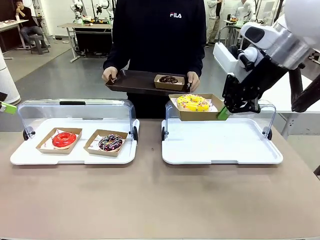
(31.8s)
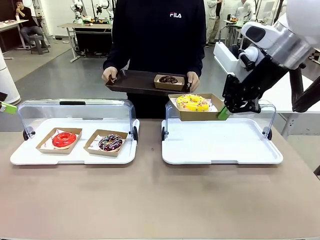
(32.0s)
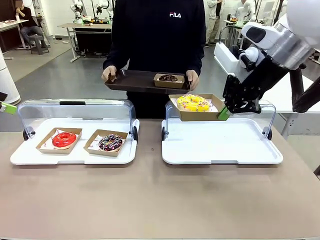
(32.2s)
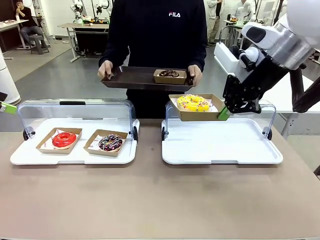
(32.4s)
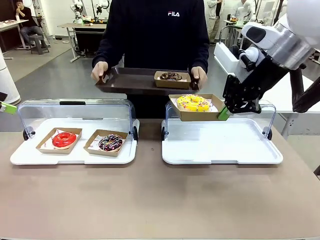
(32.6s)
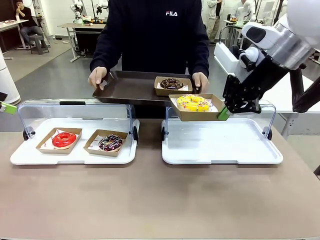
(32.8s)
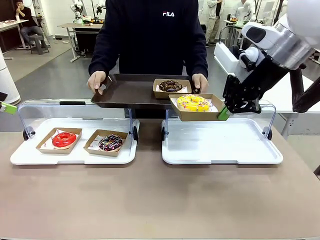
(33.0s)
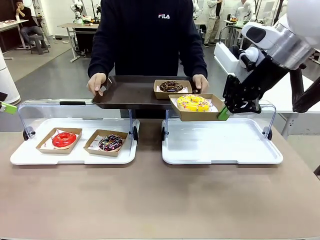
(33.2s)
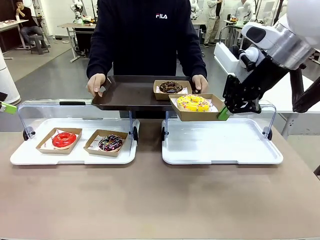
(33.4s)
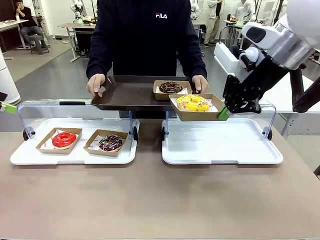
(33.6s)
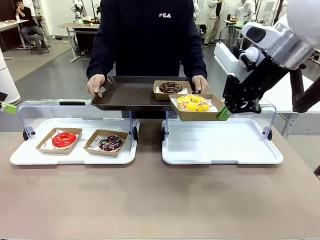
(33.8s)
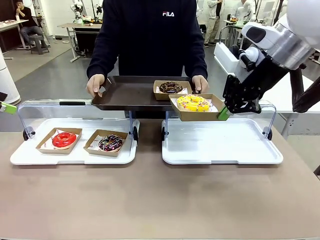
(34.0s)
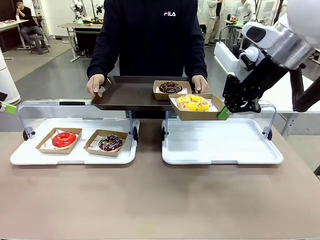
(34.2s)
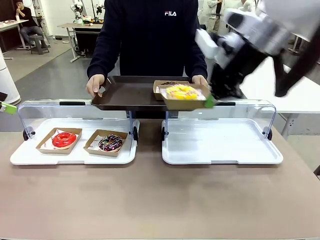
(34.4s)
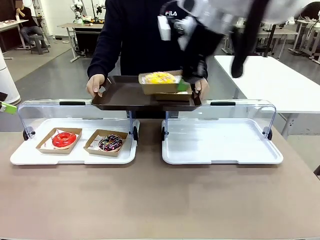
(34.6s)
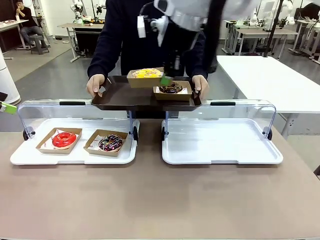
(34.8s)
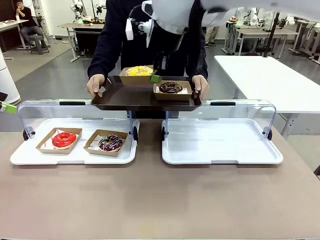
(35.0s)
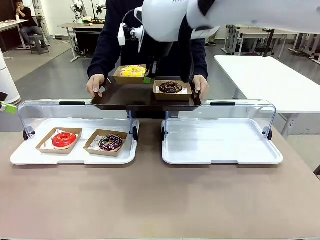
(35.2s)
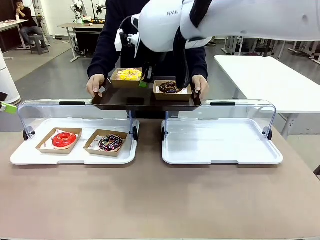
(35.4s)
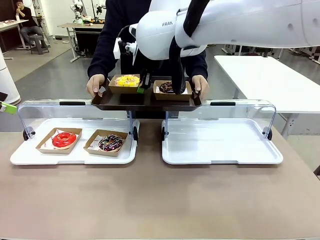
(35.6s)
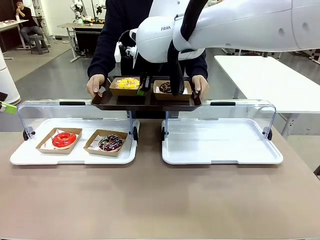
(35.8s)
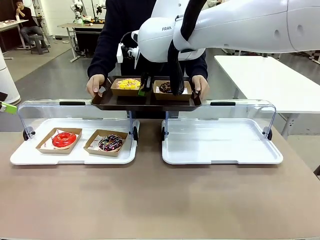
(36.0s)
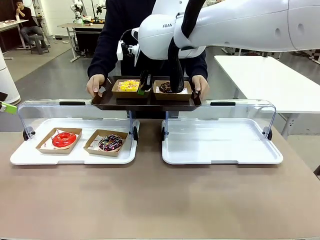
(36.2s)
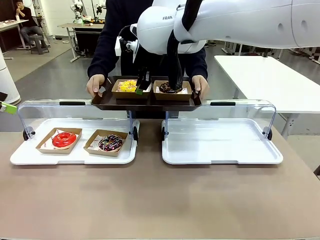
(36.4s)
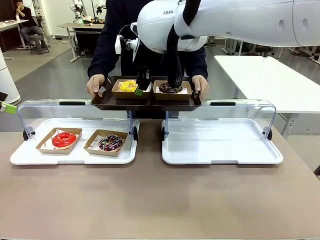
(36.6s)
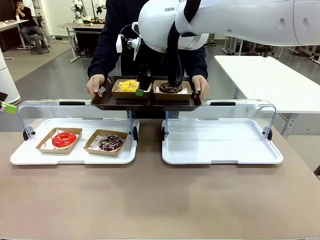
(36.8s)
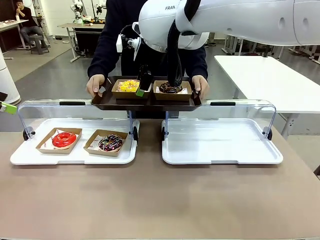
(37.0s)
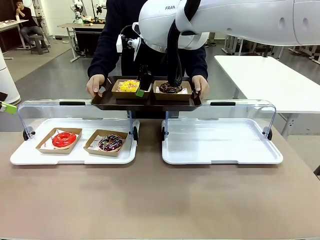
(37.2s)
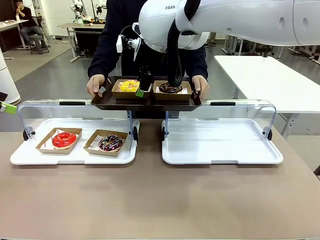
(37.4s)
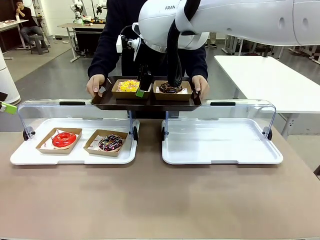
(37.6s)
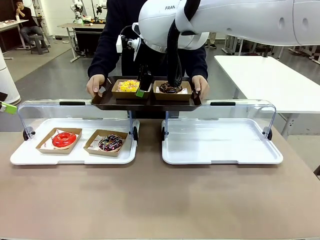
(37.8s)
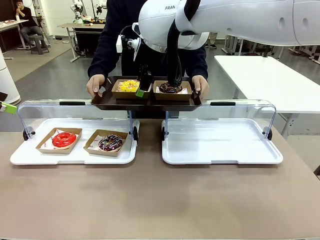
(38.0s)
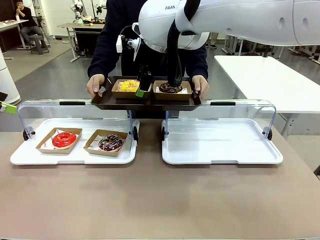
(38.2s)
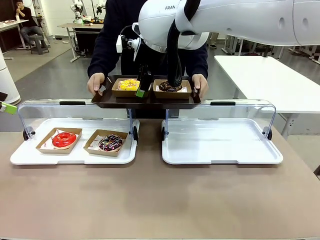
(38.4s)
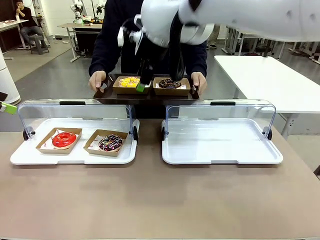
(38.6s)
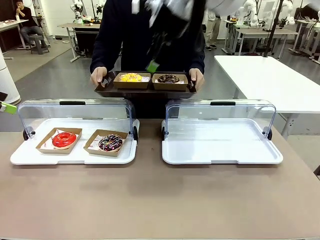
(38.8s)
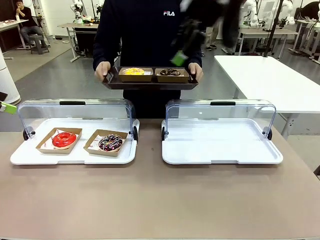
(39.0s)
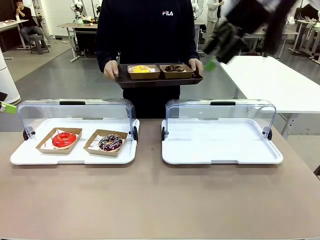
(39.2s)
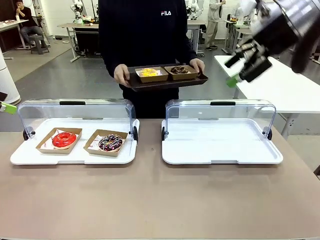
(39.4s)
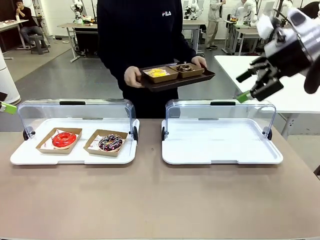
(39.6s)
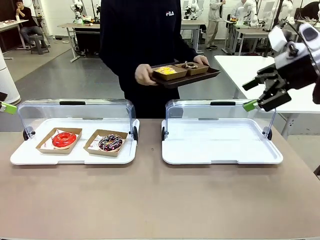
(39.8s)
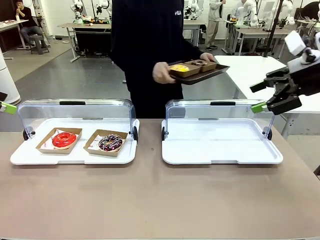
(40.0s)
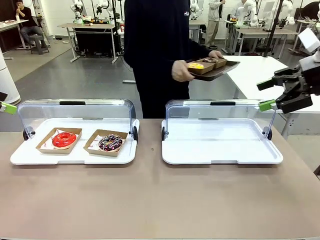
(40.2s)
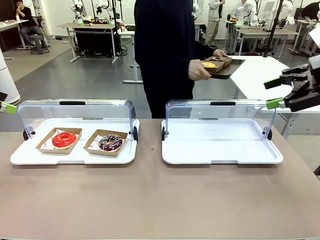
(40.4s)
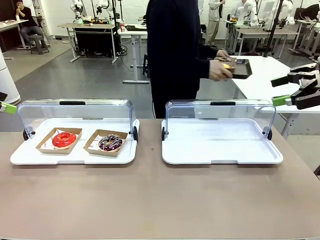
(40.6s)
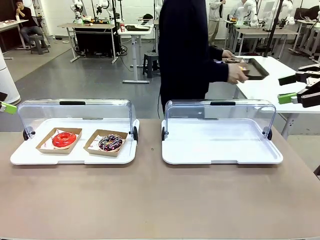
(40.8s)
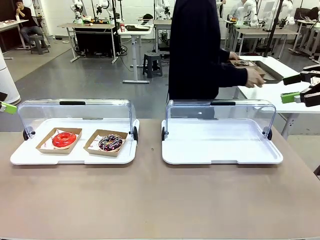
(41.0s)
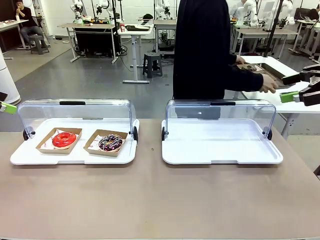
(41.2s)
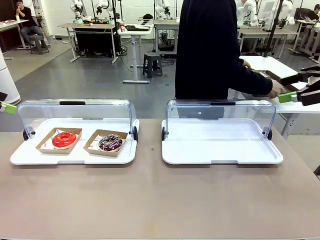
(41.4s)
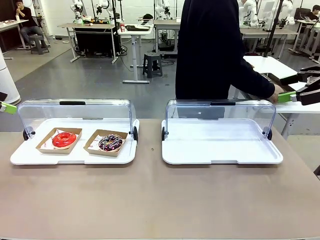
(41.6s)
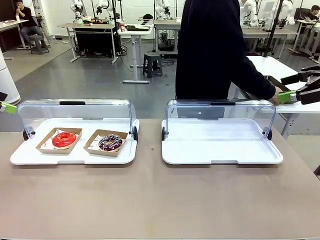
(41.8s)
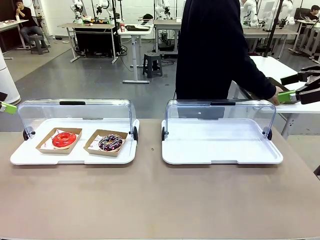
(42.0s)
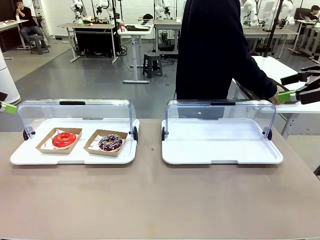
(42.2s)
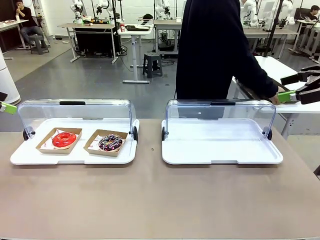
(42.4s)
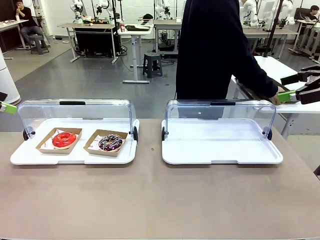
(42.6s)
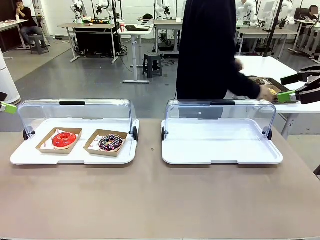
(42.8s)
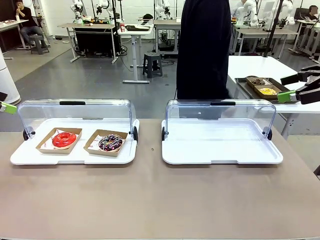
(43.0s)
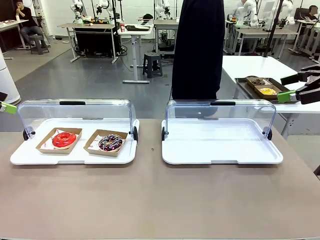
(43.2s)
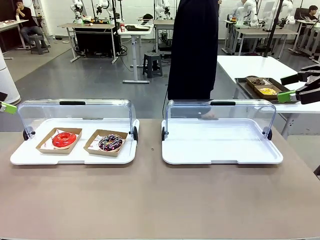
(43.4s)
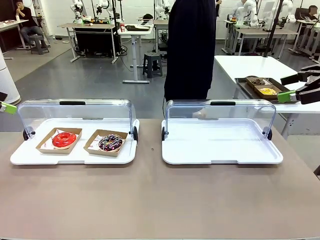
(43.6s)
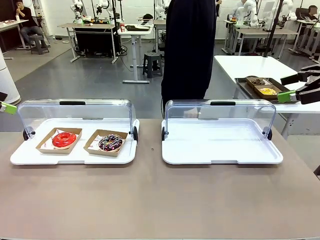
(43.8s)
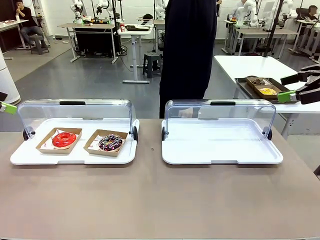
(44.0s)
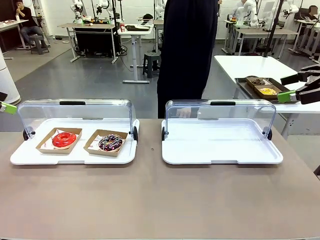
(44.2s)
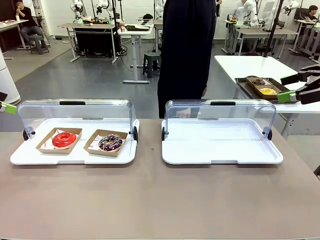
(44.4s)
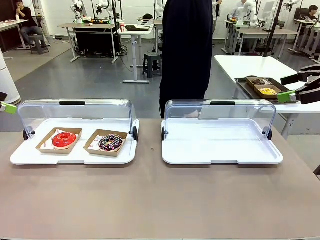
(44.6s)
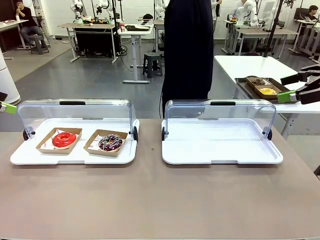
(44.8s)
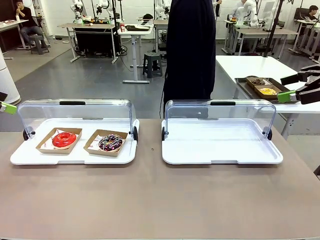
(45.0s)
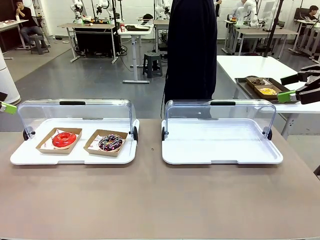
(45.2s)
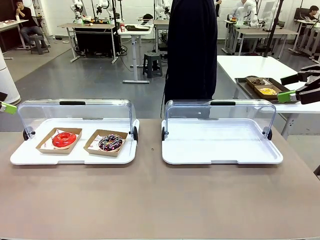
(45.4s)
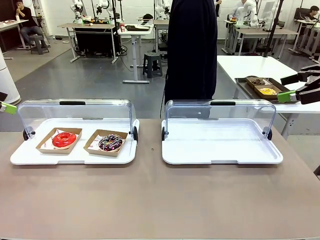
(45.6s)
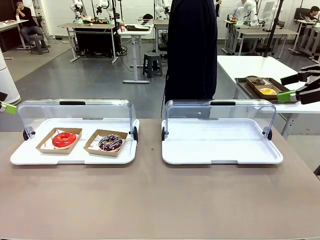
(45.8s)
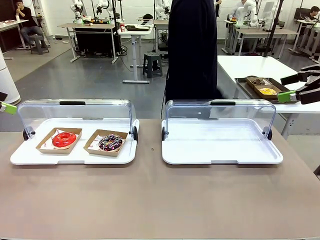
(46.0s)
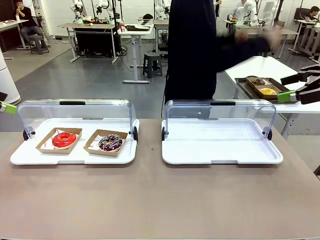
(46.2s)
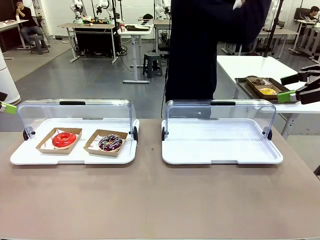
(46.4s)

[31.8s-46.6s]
Task: Provide the desired donut to the person.
Robot: Place the picked Paper togo box onto the Handle tray extended by the person.
Person: Place the tray in the middle of the human table.

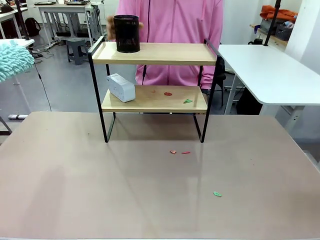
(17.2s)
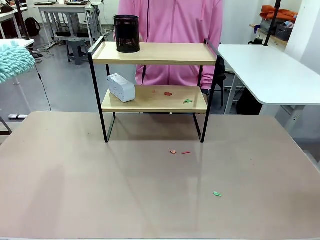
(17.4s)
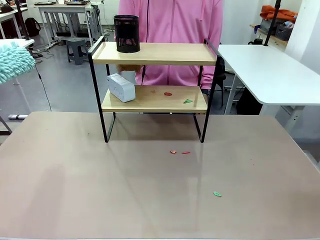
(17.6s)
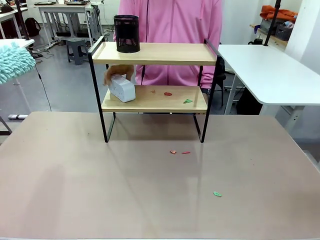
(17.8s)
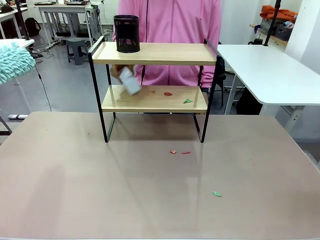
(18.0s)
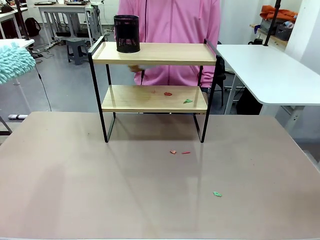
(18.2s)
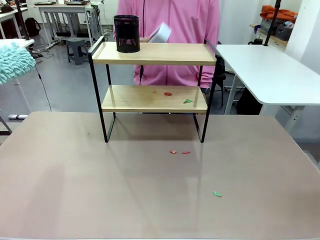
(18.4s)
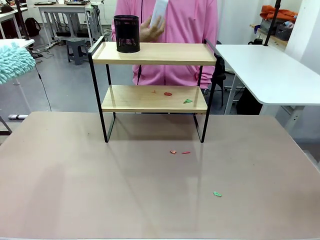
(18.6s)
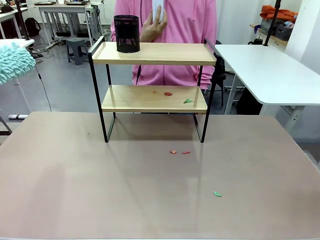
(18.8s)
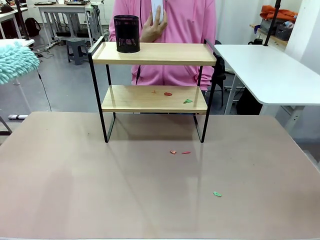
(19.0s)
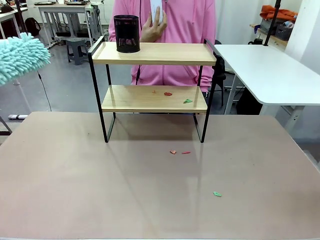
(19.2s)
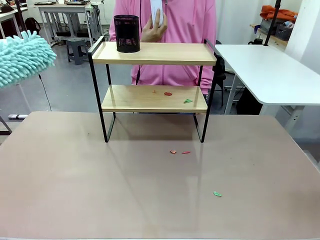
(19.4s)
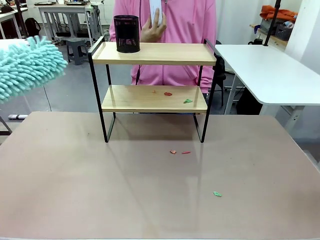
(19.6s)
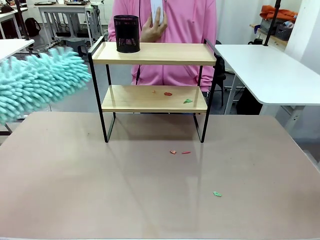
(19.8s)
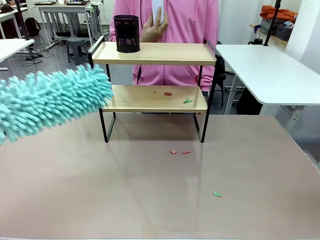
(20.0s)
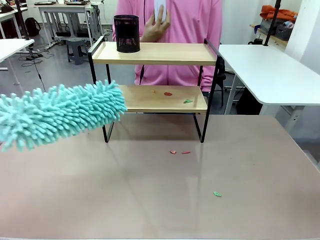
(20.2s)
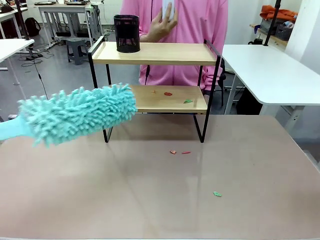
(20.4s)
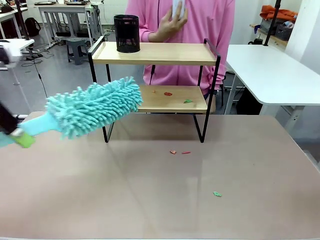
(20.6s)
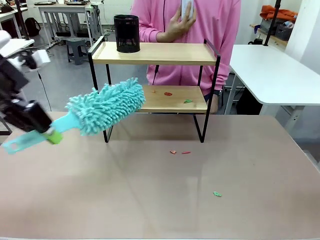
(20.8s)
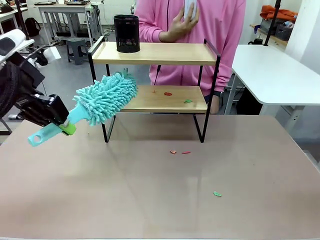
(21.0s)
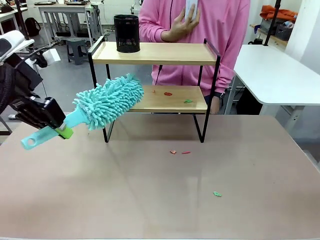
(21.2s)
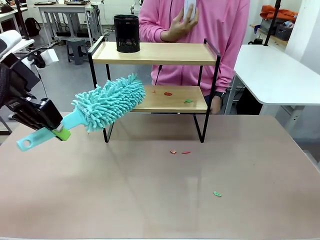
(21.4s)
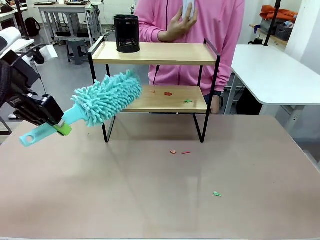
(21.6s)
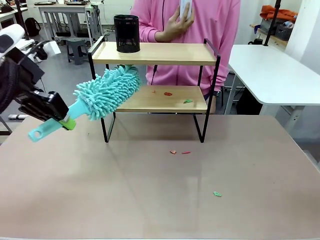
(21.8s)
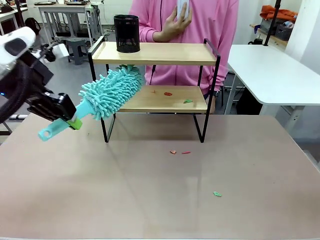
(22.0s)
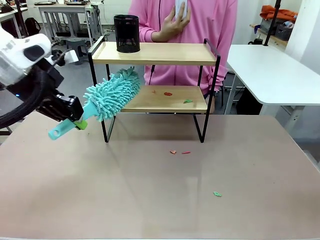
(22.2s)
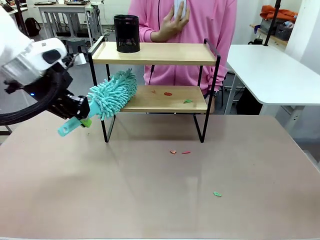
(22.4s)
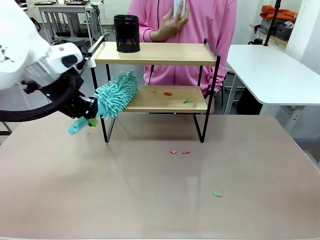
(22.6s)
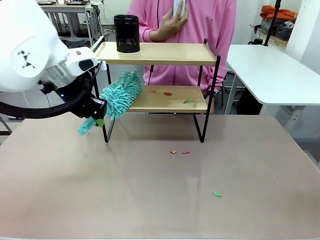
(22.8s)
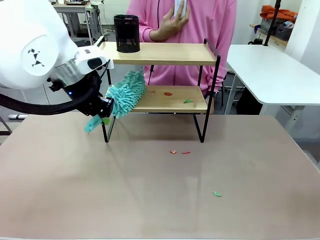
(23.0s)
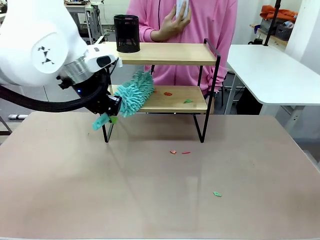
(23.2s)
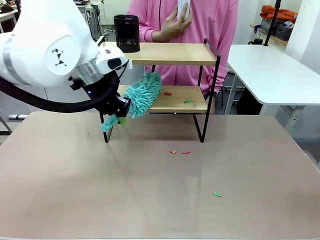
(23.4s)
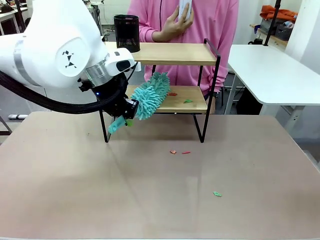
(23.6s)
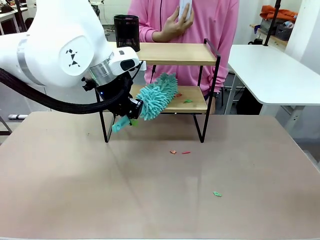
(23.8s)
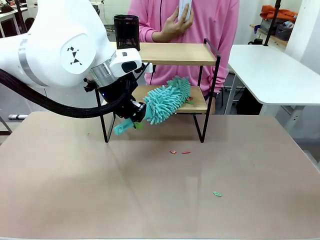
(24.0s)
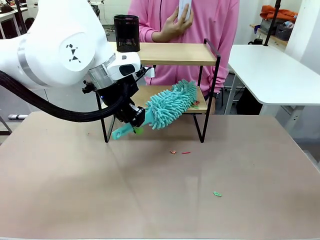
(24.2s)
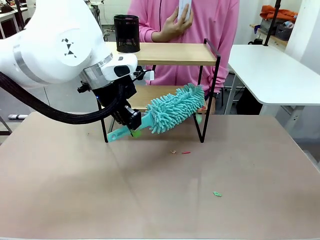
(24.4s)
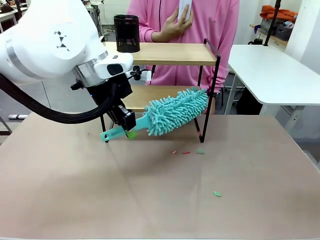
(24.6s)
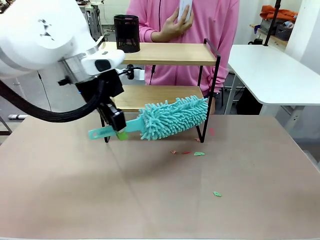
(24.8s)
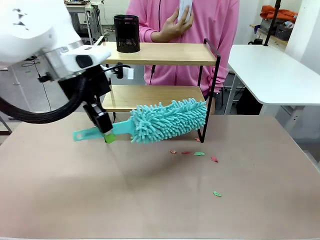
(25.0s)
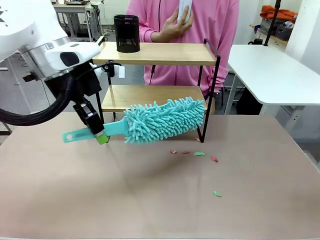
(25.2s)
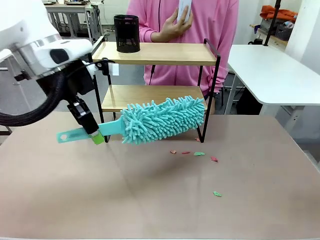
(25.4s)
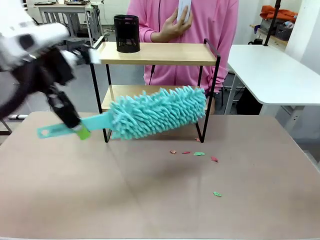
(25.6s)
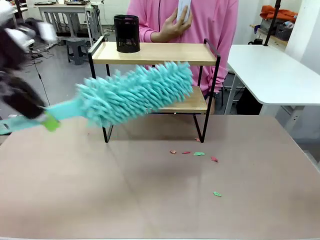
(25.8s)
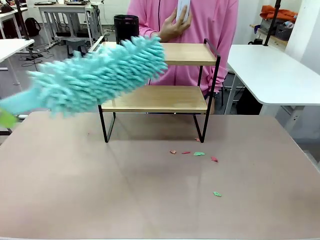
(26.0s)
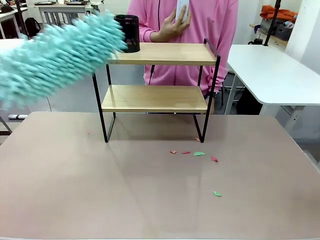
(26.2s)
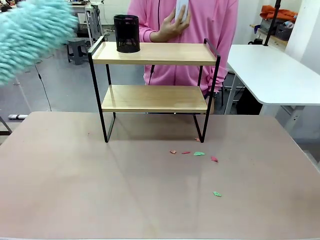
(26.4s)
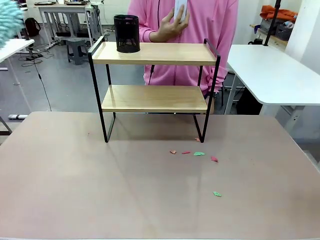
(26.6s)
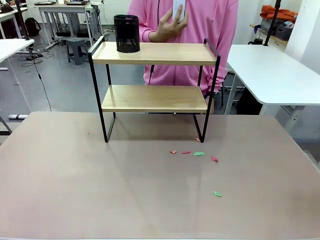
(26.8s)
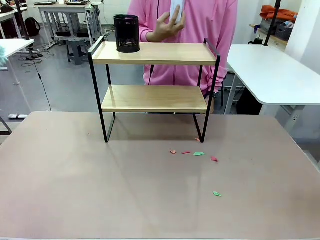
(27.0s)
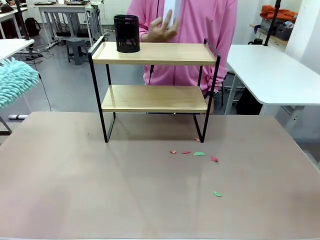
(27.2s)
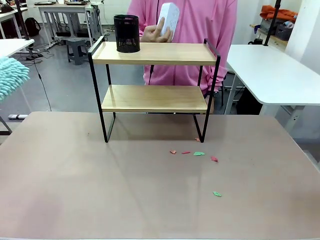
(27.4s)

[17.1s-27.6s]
Task: Clean the shelf.
Robot: Clean the remaining tier of the Shelf with the Duster once objects are removed.
